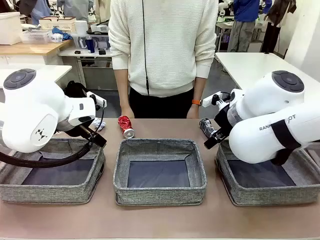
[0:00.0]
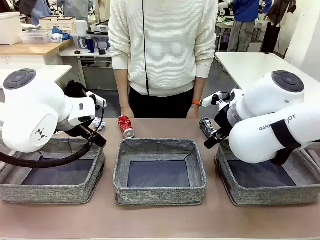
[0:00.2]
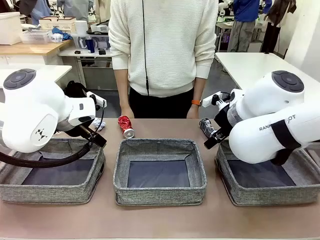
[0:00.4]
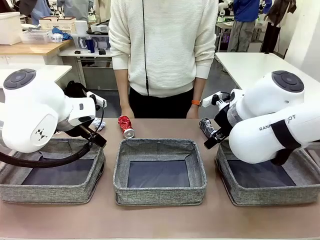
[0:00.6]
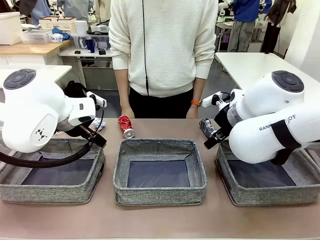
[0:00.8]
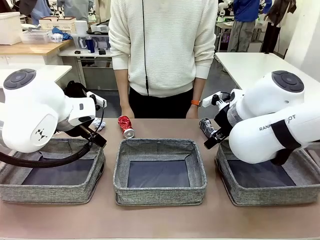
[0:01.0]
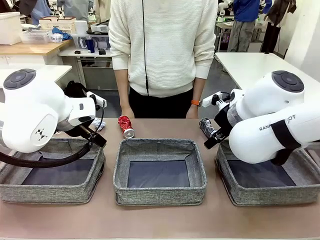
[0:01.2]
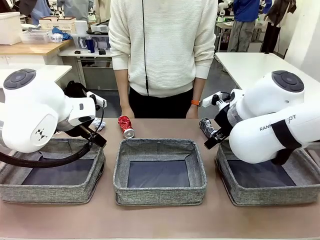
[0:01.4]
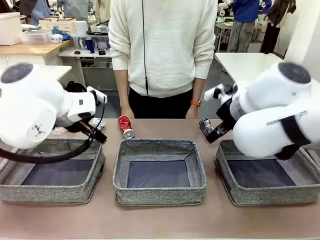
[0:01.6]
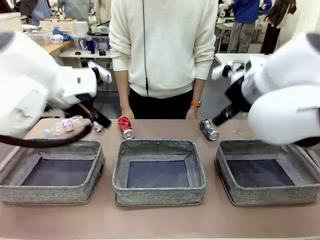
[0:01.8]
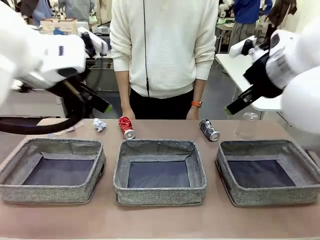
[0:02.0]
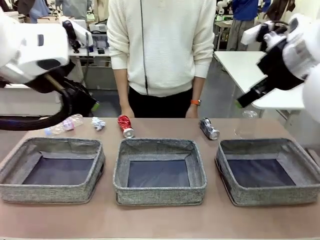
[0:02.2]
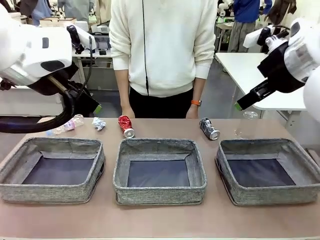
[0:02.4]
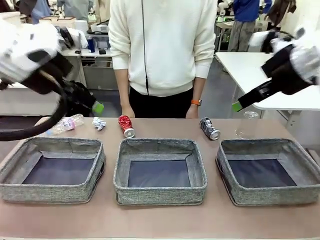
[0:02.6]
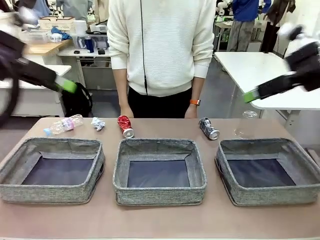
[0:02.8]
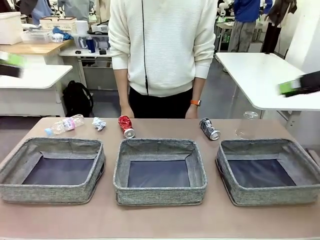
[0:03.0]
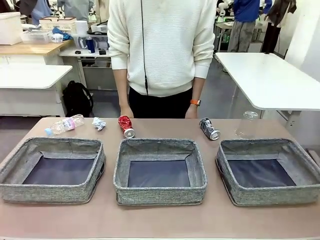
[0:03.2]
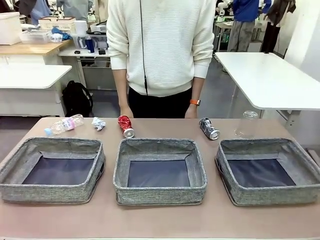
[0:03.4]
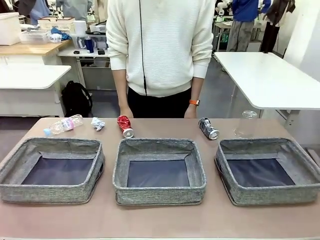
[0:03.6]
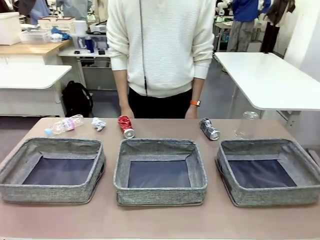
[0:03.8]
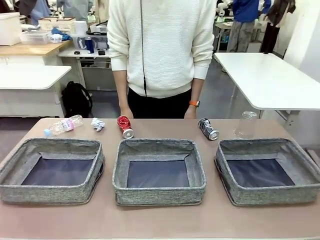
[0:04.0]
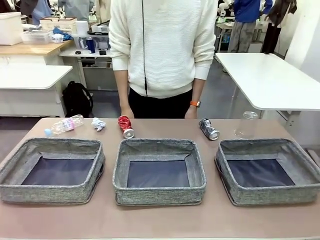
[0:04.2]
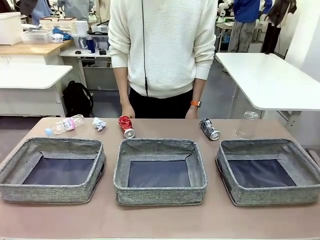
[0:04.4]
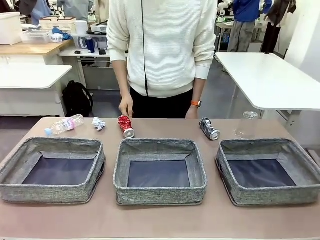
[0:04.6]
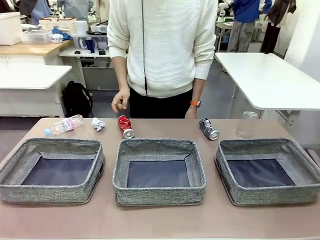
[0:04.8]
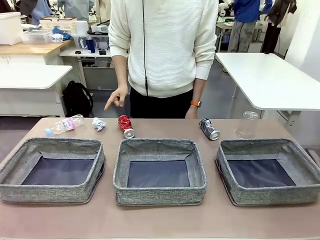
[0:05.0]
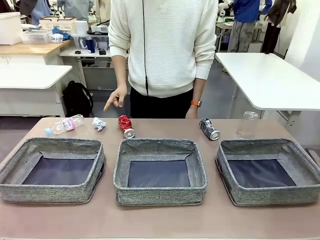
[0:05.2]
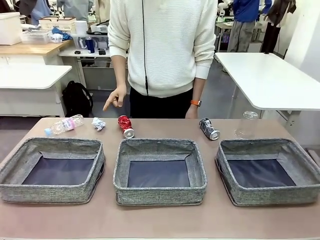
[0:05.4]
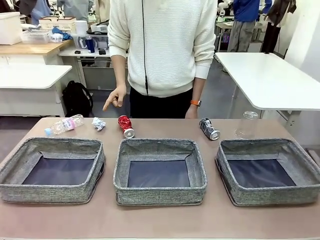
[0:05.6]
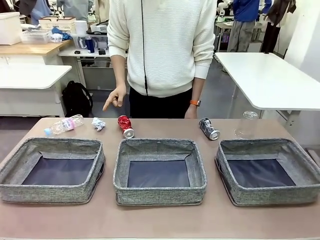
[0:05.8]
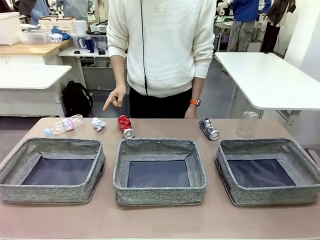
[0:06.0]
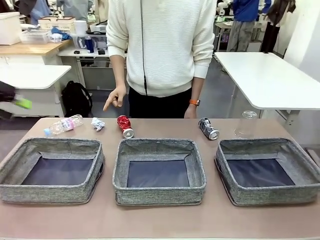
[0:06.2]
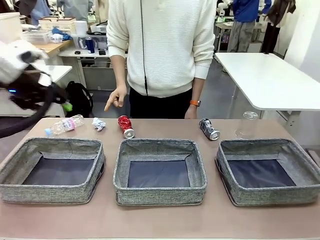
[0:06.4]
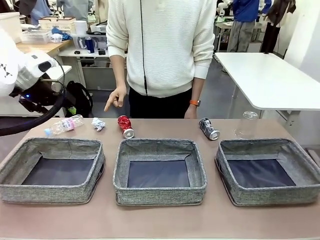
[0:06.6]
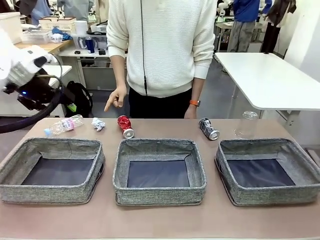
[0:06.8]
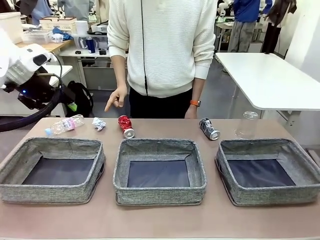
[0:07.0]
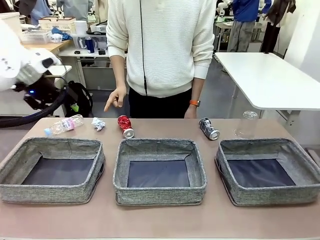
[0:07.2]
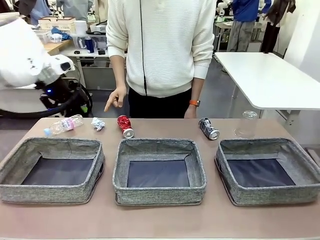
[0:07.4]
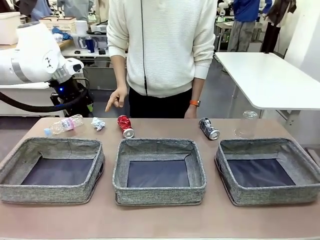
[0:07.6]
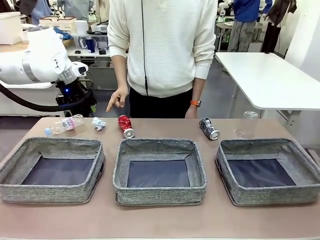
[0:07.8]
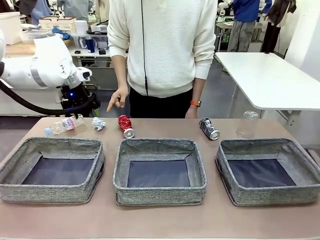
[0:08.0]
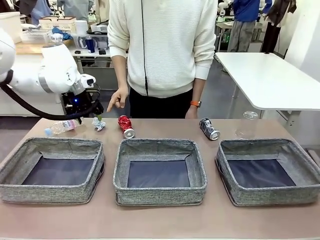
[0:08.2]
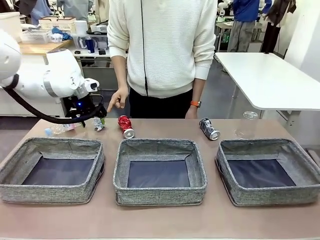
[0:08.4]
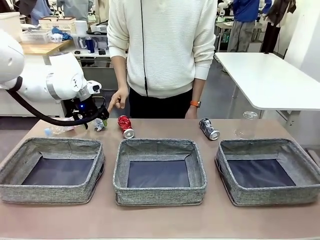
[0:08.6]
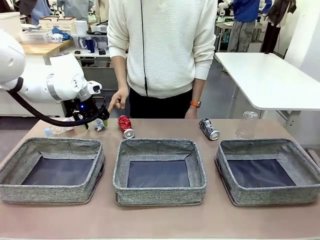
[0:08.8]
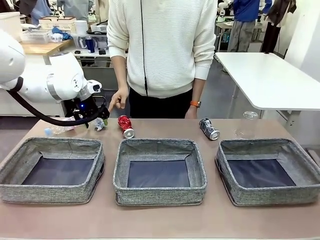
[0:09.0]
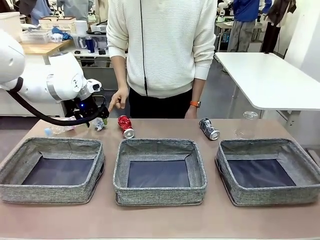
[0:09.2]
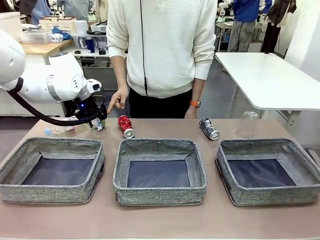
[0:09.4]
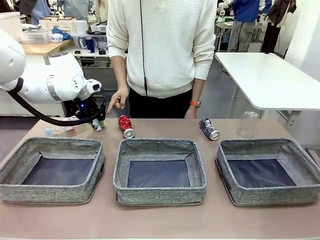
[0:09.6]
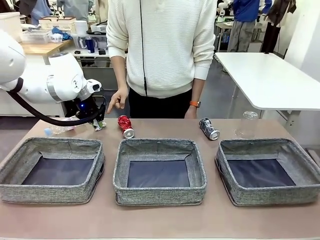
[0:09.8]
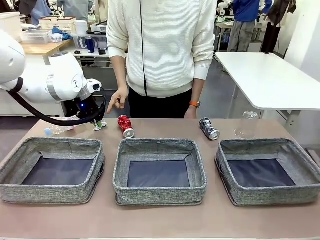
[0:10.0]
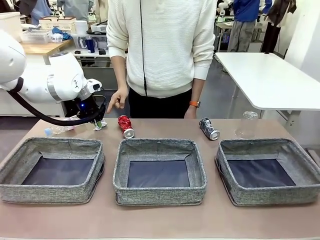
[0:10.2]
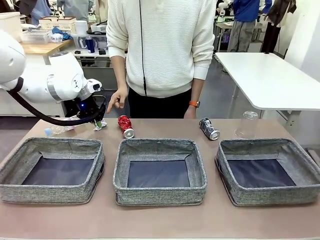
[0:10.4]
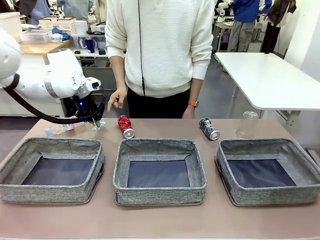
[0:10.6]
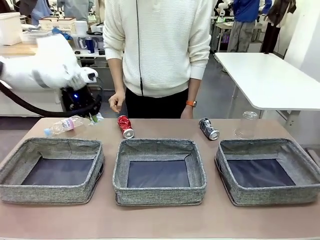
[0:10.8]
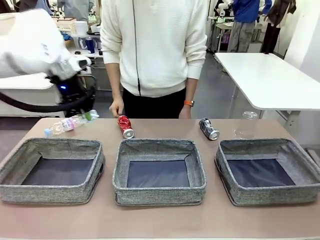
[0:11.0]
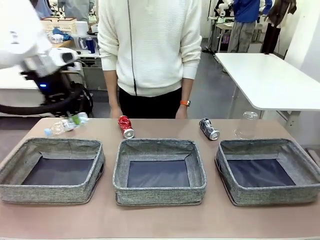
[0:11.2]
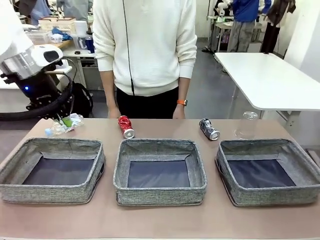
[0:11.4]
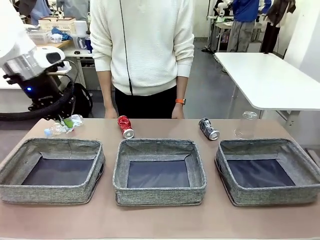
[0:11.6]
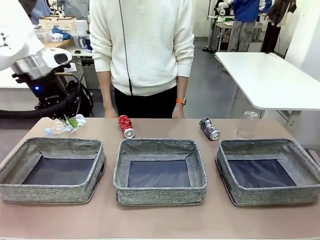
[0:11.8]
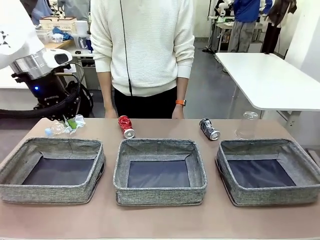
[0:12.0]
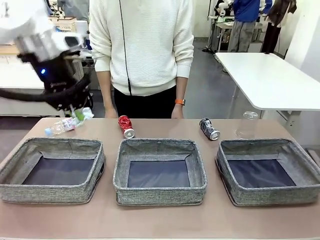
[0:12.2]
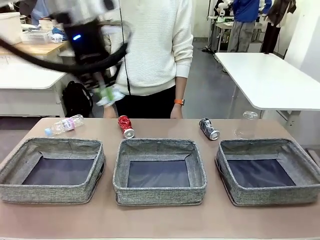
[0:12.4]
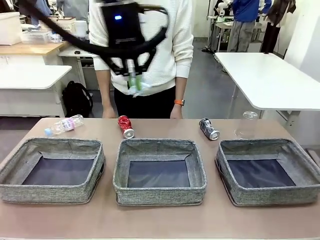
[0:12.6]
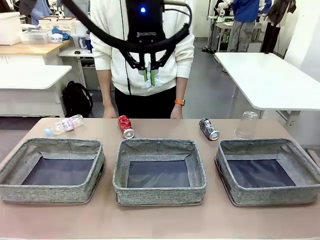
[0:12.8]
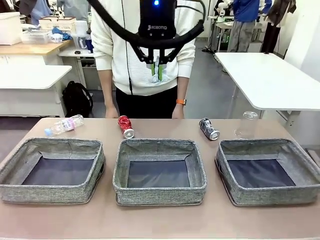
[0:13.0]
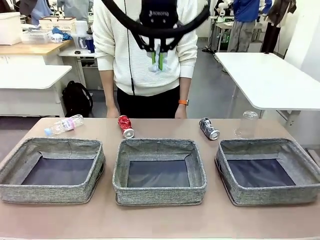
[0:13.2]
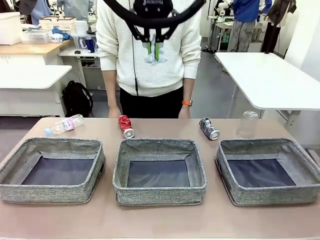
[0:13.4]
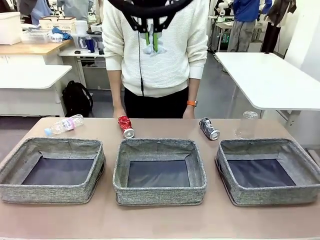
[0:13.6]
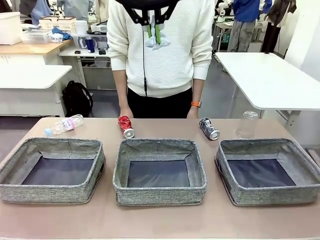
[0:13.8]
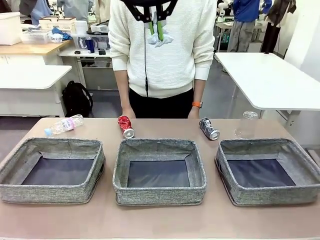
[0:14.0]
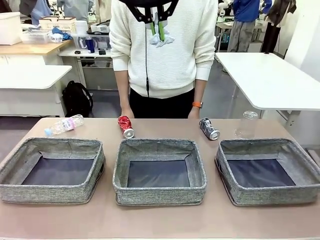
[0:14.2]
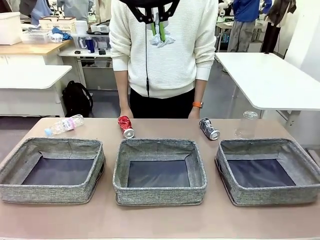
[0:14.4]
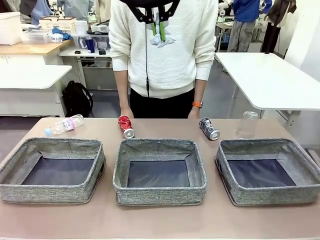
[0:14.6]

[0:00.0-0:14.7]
Task: Sort the waste into the appropriate baskets.
Robot: Pick up the waste item pointed out by the person.
Person: Points to one piece of trash on the table.

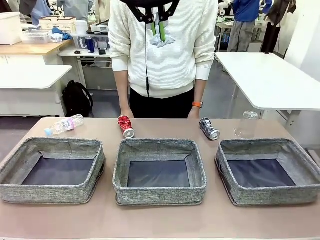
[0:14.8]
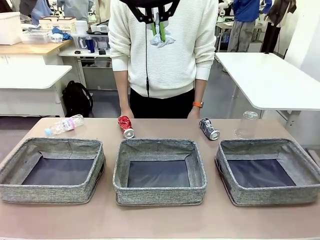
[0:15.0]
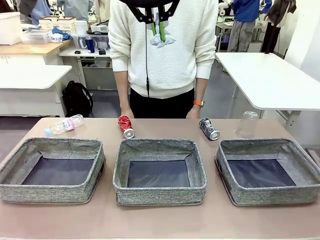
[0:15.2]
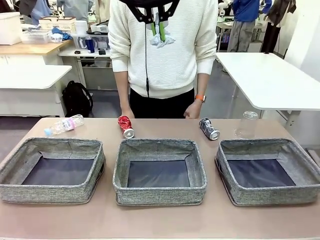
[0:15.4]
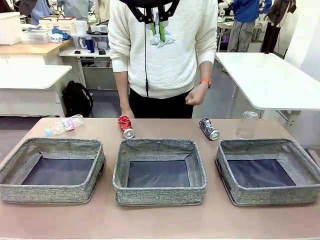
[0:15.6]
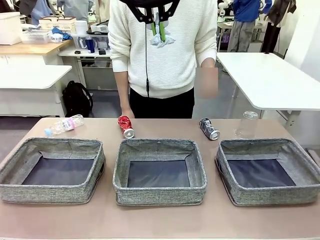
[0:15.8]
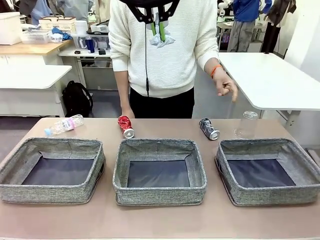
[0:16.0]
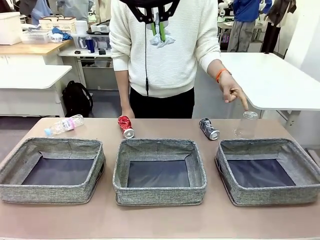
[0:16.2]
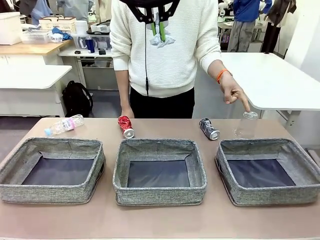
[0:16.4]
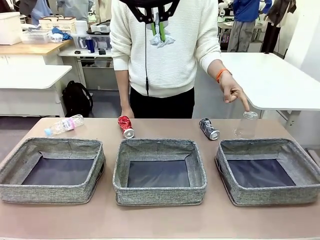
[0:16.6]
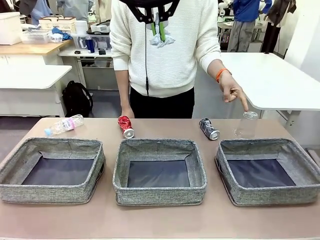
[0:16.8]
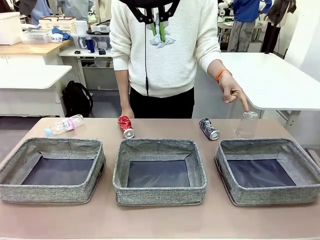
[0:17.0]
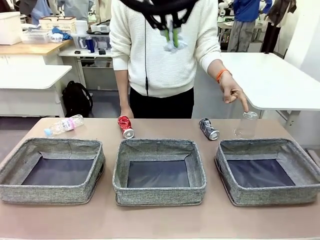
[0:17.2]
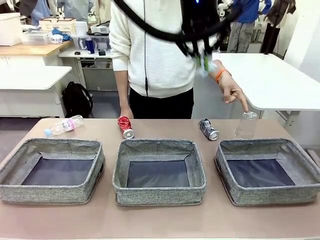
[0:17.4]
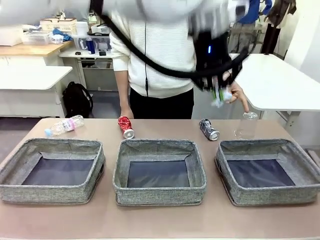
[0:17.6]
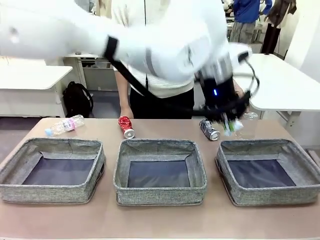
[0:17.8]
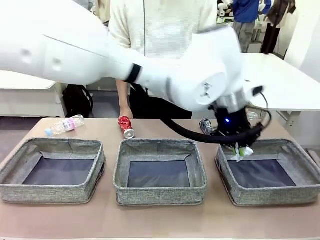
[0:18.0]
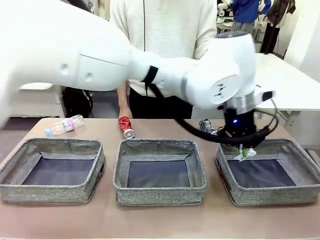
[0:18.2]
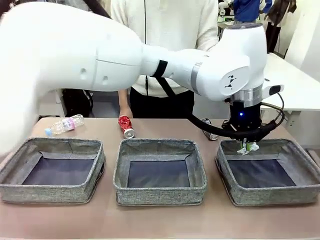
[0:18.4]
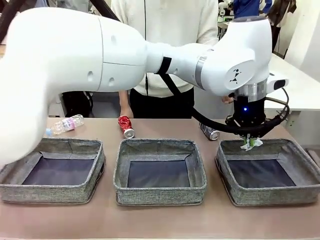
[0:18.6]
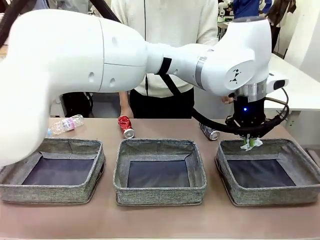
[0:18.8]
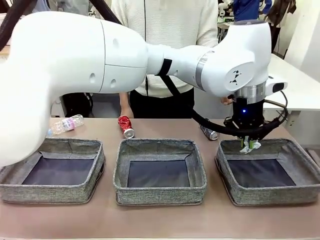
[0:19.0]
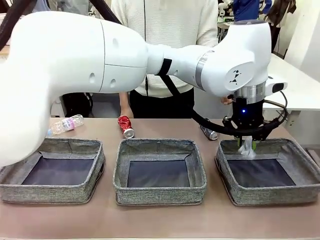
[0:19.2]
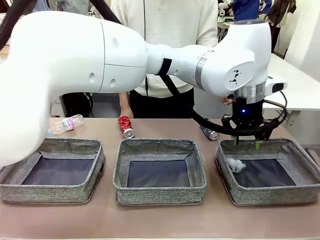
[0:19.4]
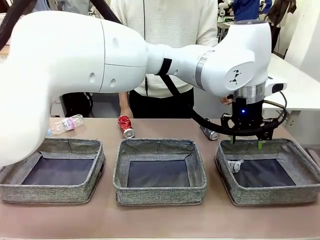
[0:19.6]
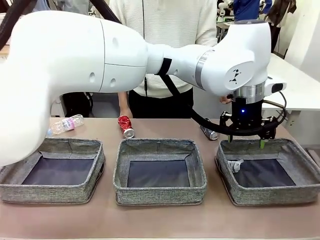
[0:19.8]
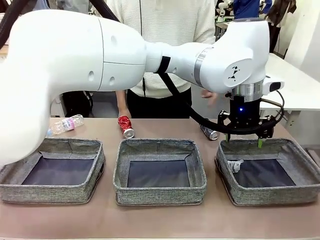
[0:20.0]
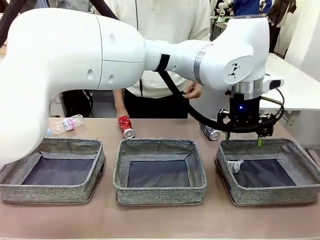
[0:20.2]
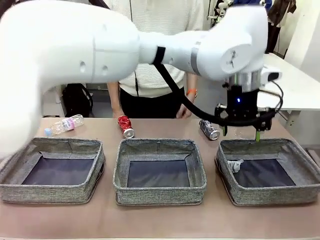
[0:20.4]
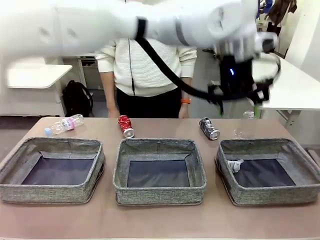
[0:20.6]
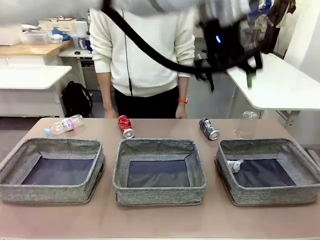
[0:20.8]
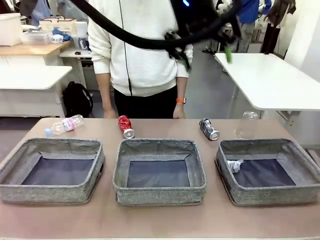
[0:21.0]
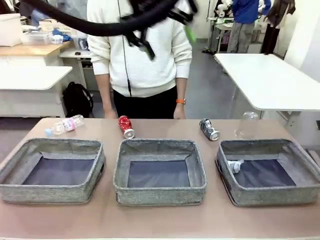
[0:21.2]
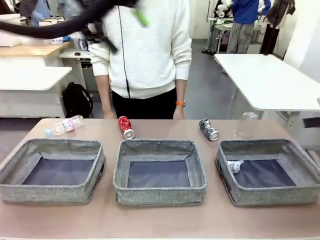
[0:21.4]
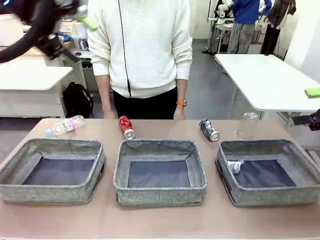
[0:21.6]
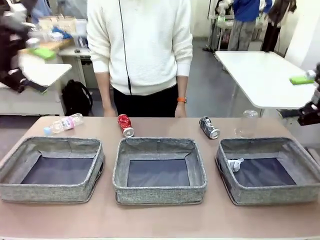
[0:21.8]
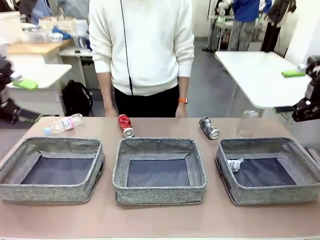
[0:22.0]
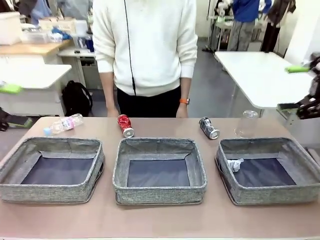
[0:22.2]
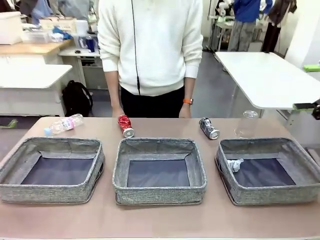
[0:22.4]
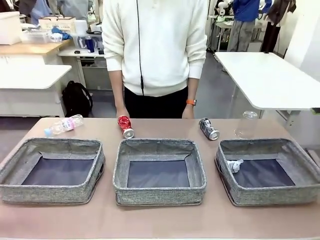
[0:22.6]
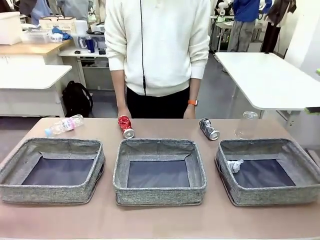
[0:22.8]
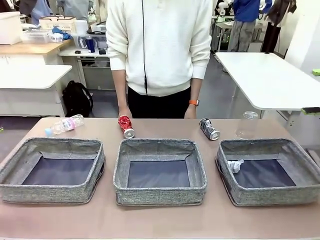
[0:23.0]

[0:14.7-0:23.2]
Robot: Place the picked waste into the Fabric basket indicated by the person.
Person: Instructs the robot to place the picked-up trash into the appropriate organizing basket.
